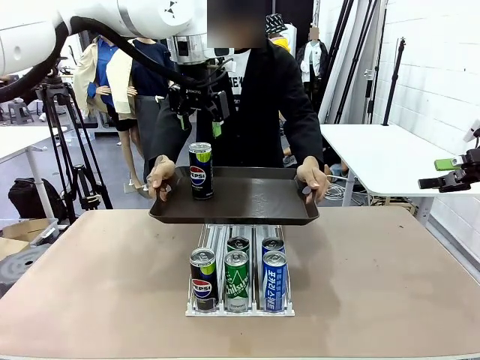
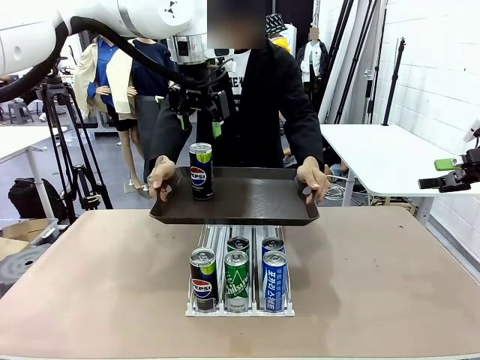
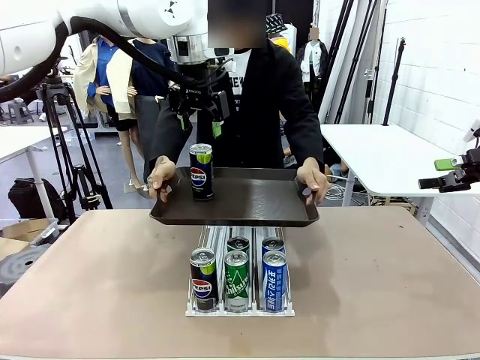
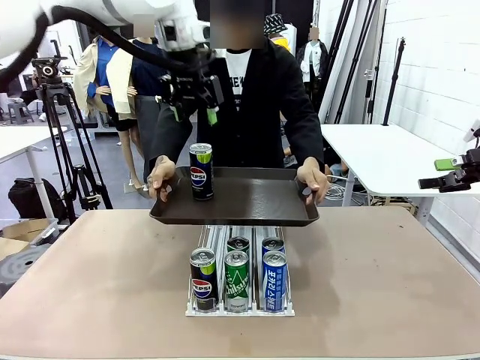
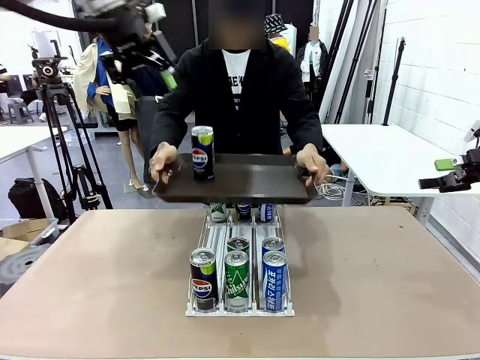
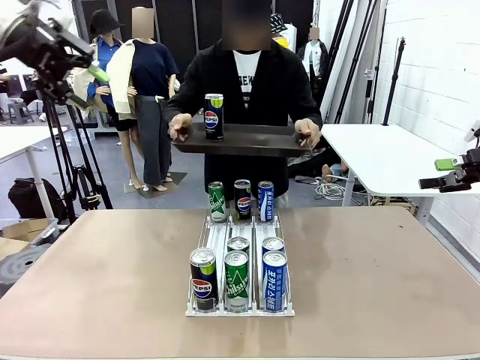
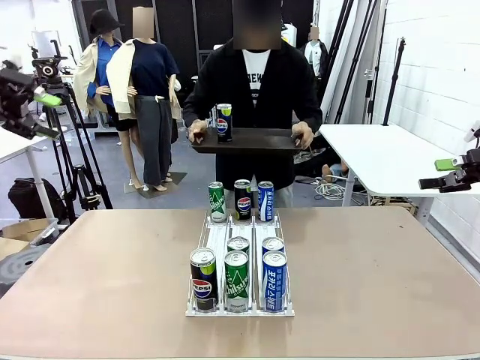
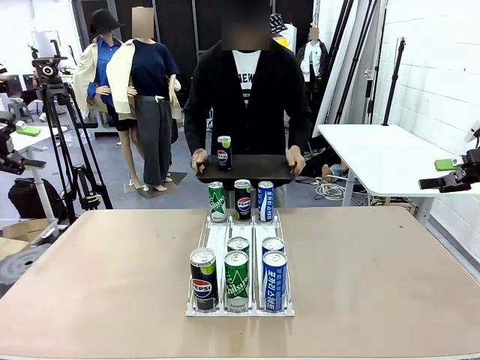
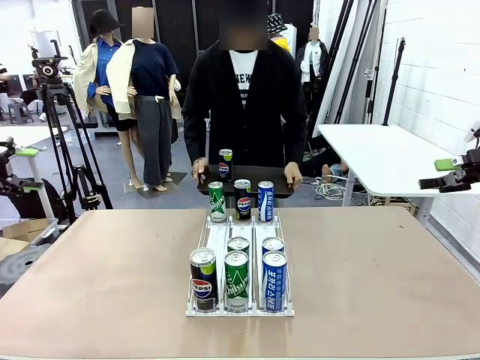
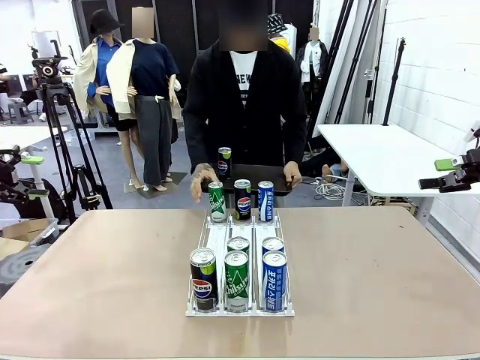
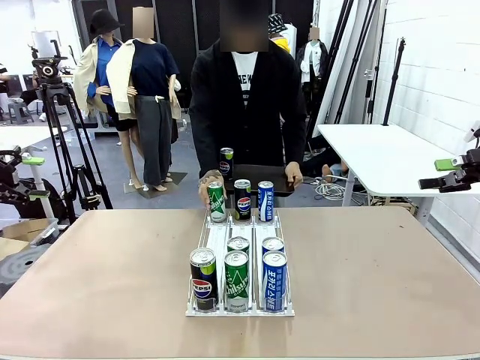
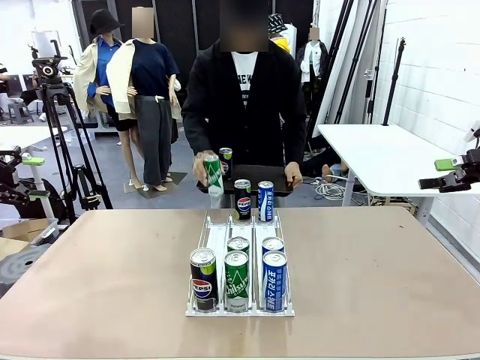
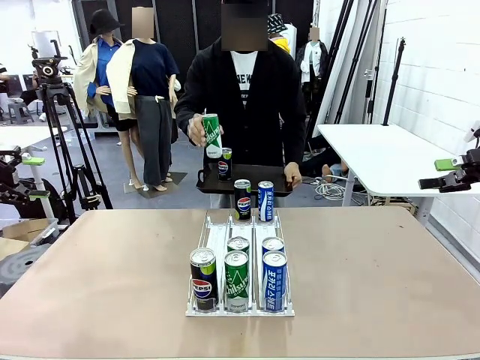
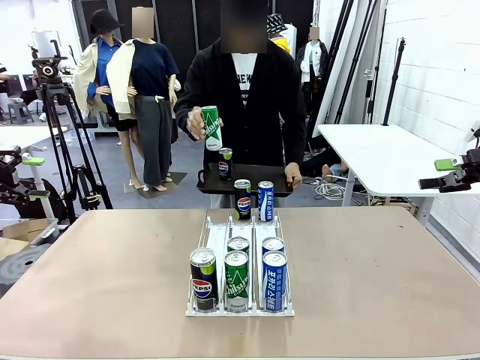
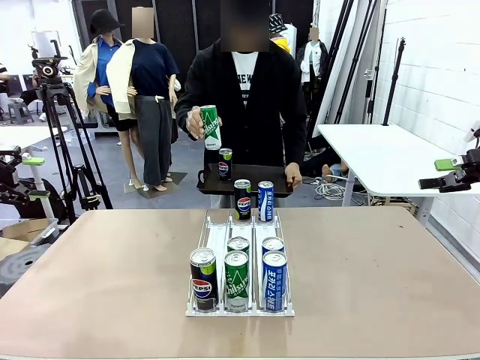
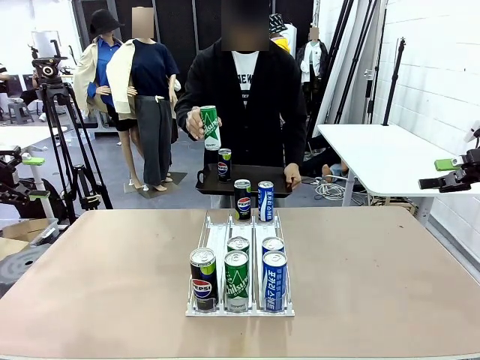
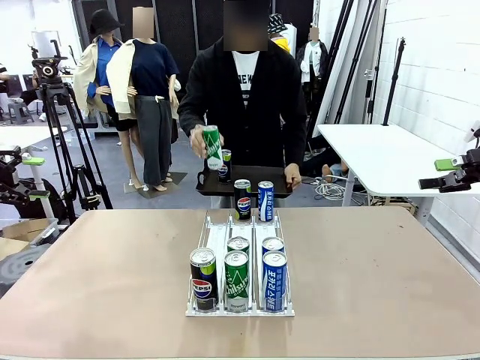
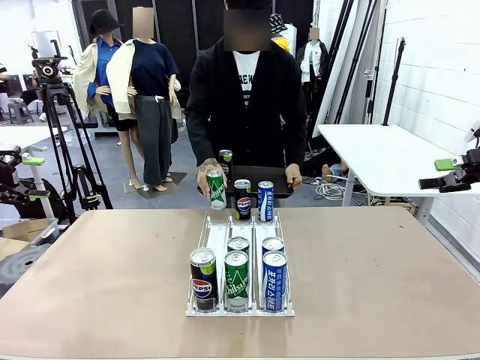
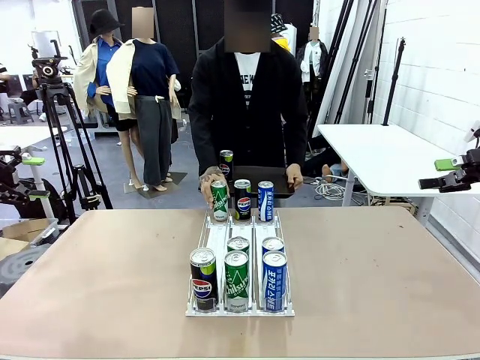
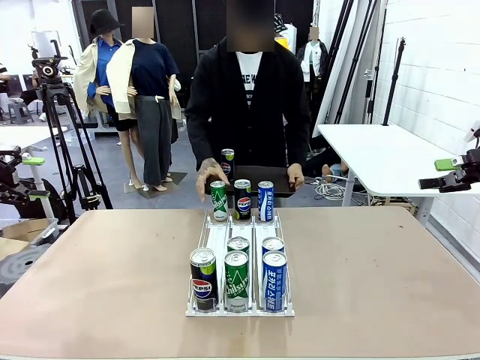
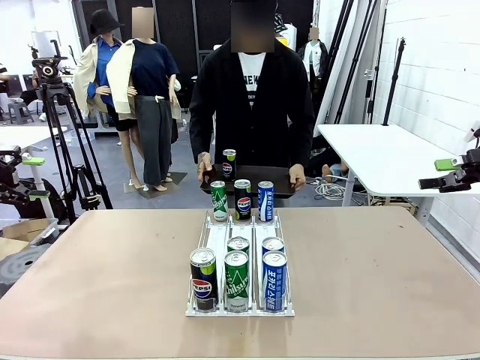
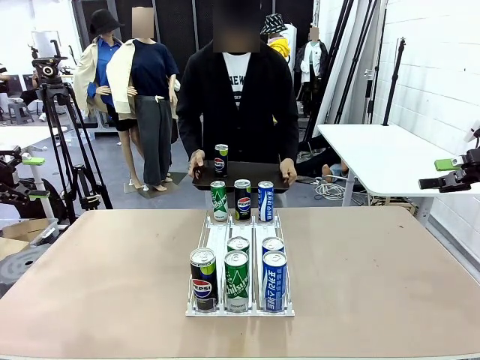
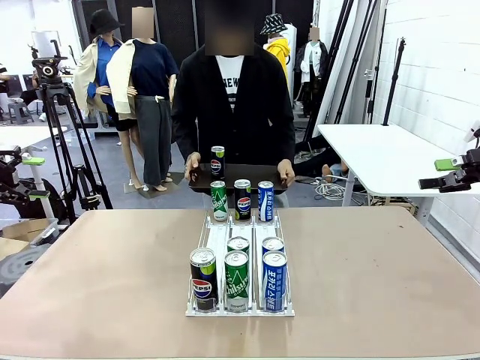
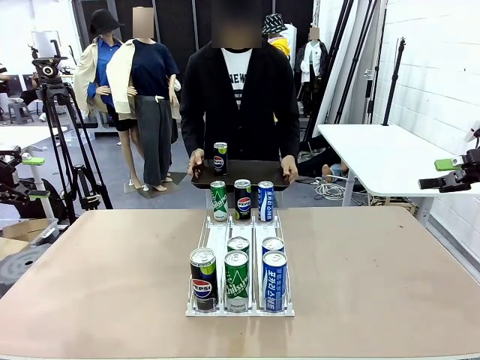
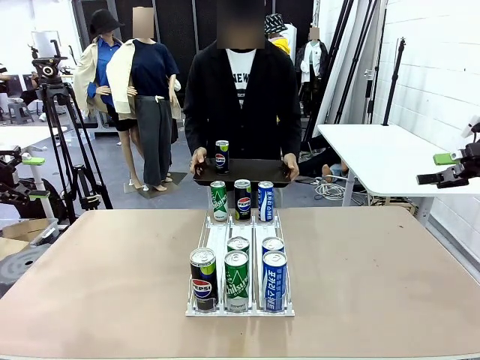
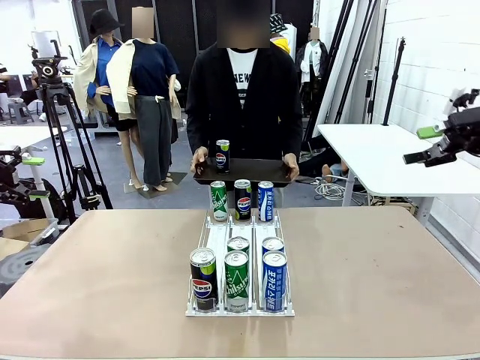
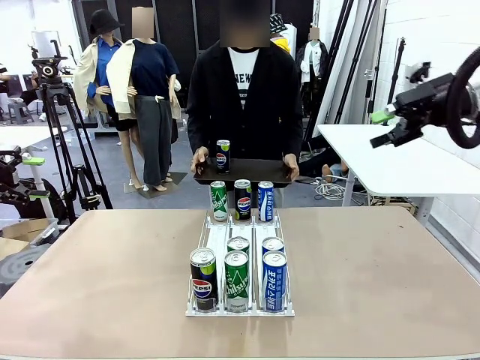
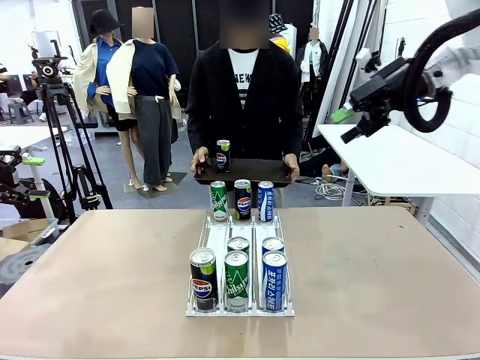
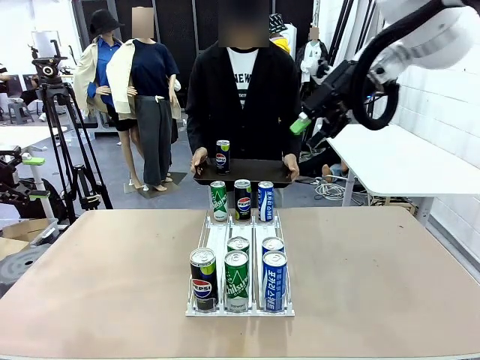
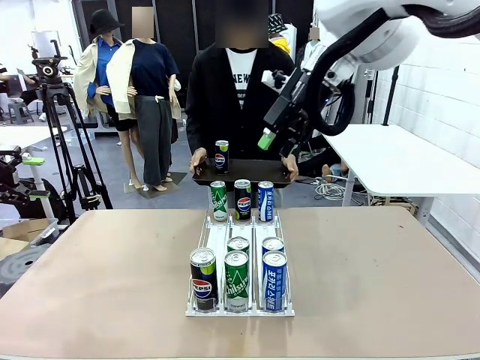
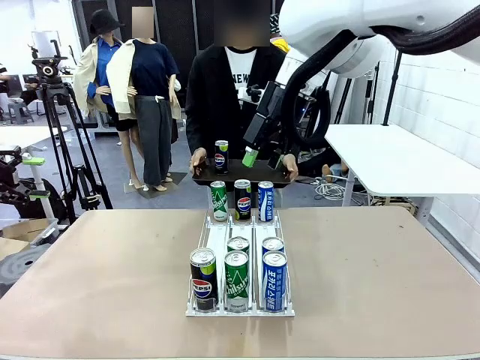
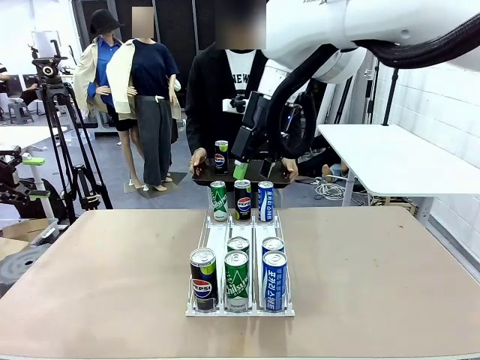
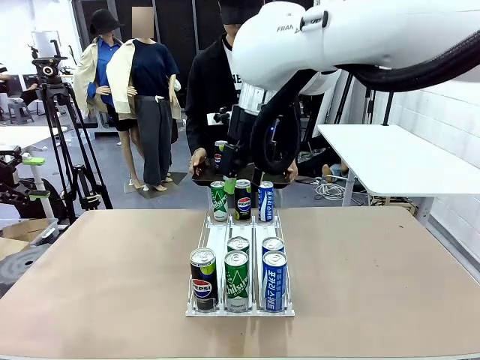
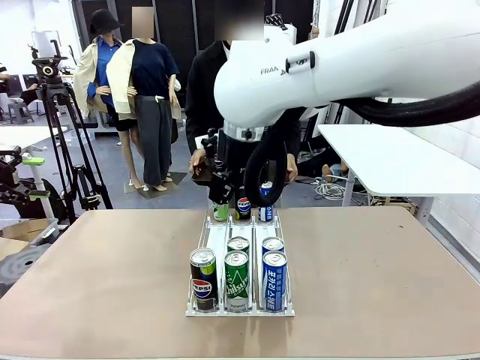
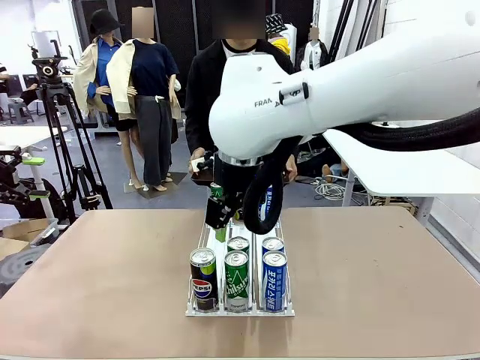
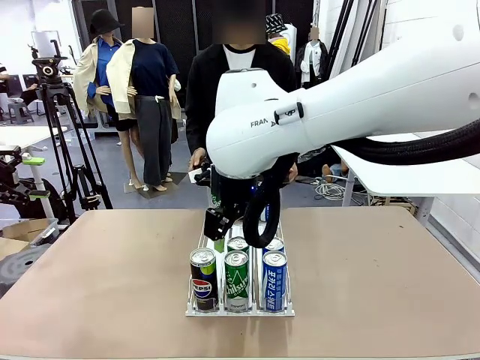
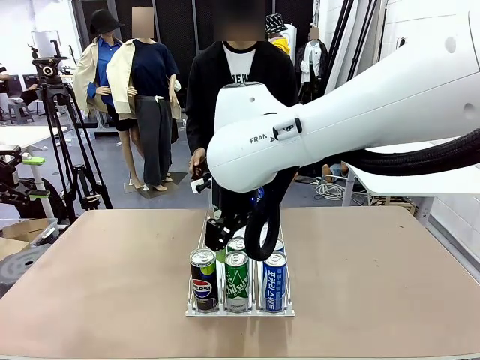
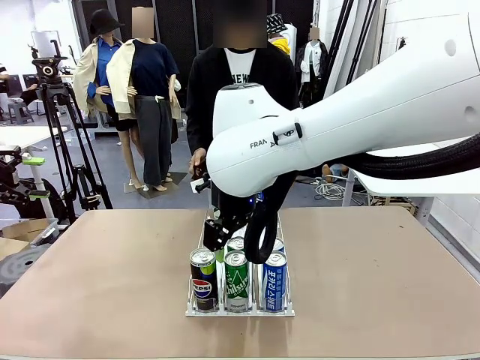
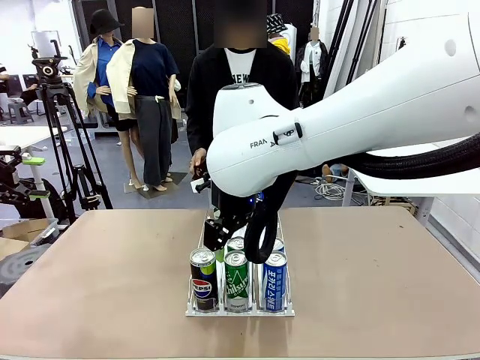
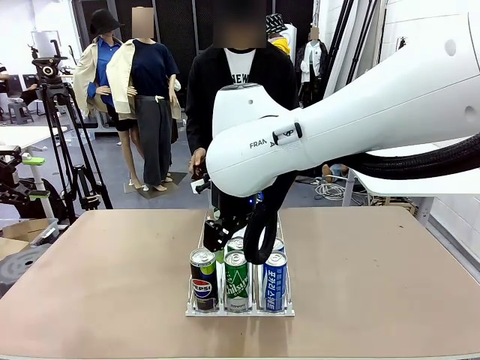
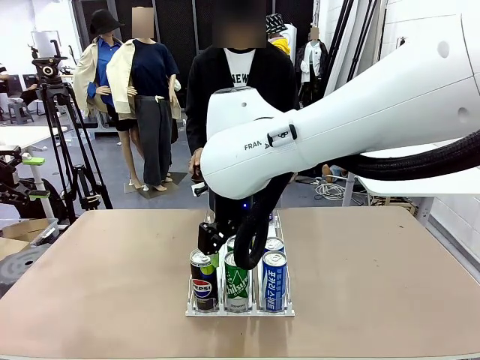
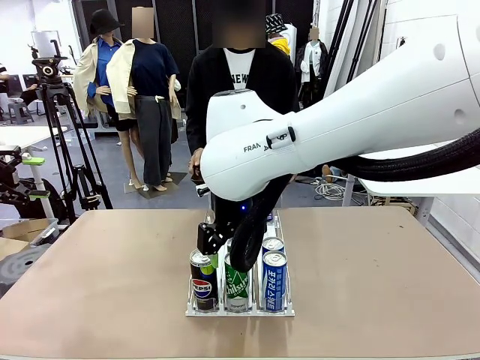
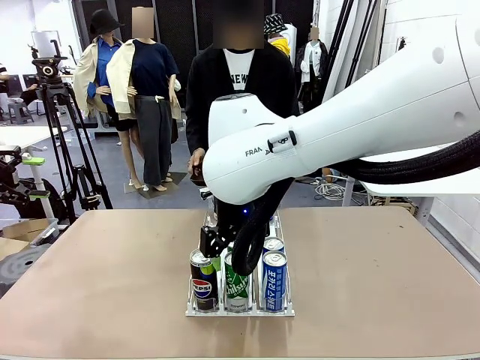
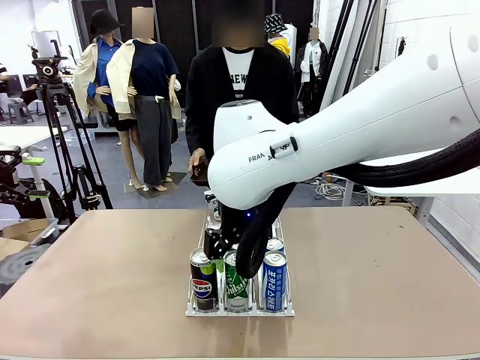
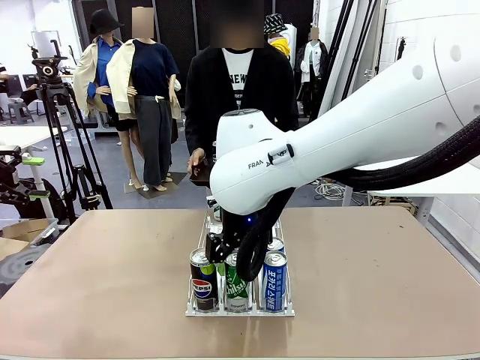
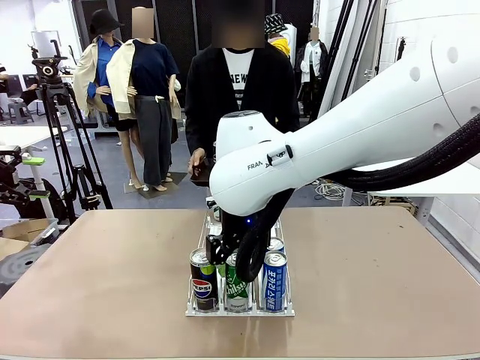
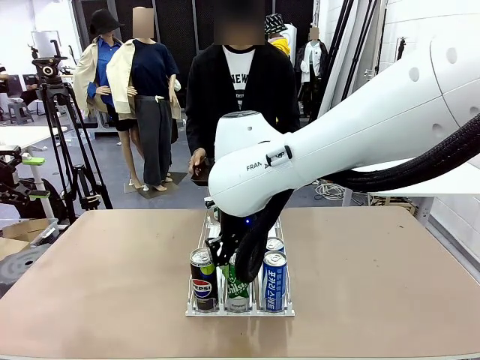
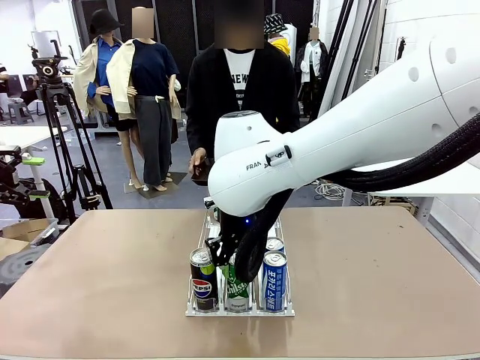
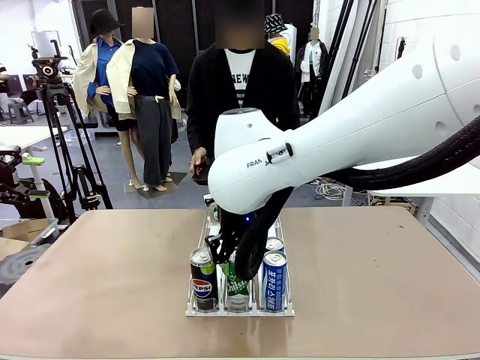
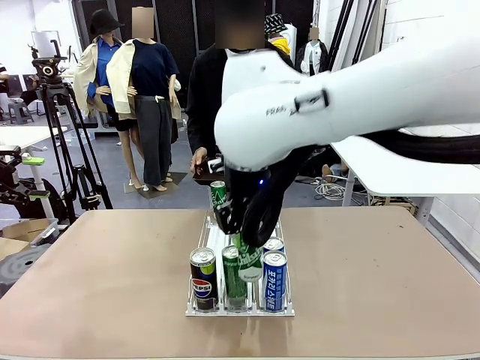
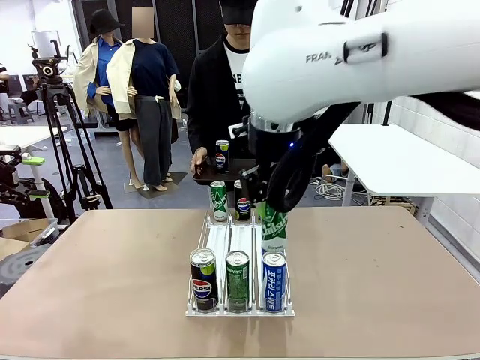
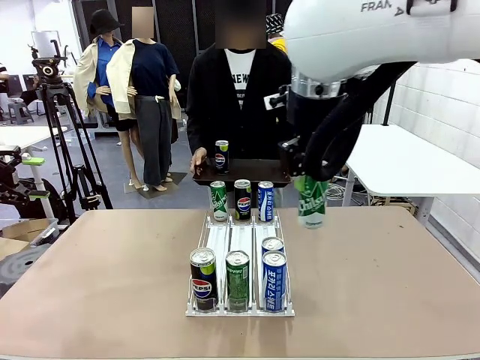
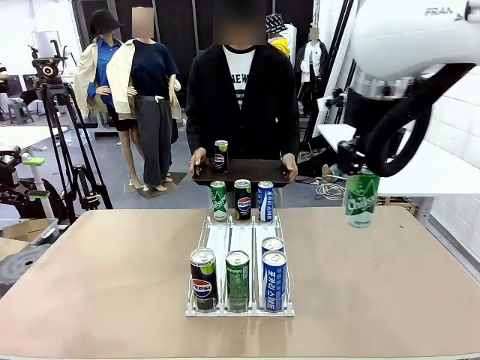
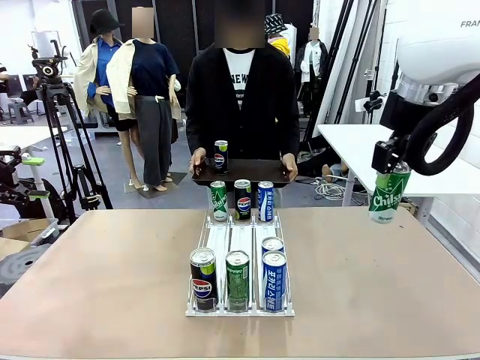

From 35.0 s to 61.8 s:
Task: Retrieve and hand over the desired beverage to the person.
Robot: Pick up another can of the same type that the person held from the Automatic Can Dispenser.
Person: Pull the tray back, then pick up another can from the bottom area of the table and puts it back in its original place. Push the tray toward the robot again.
